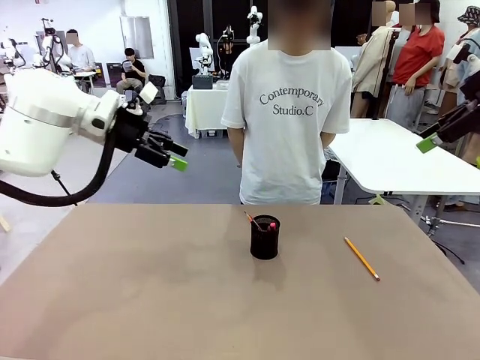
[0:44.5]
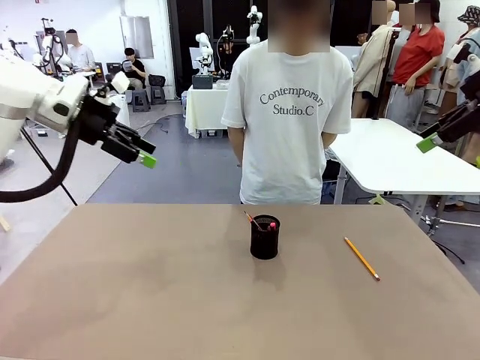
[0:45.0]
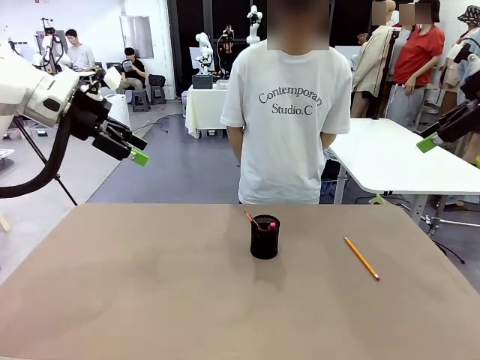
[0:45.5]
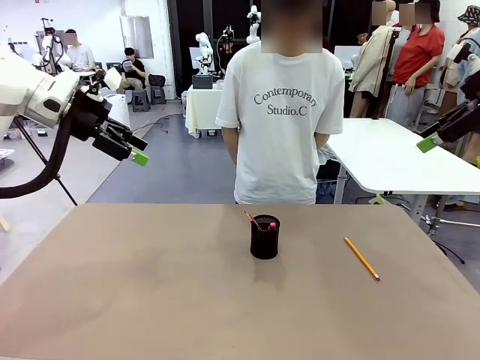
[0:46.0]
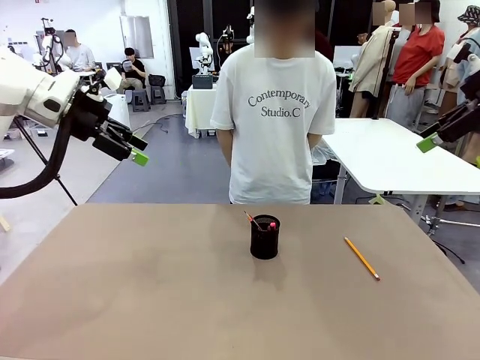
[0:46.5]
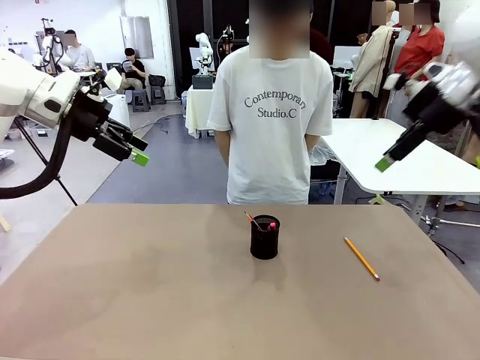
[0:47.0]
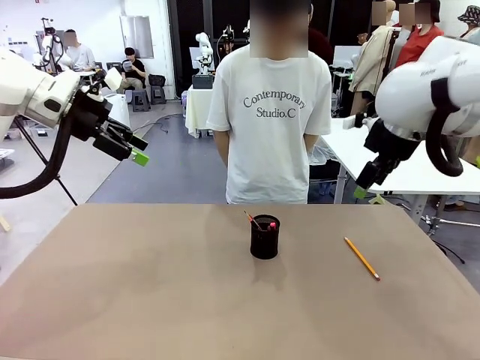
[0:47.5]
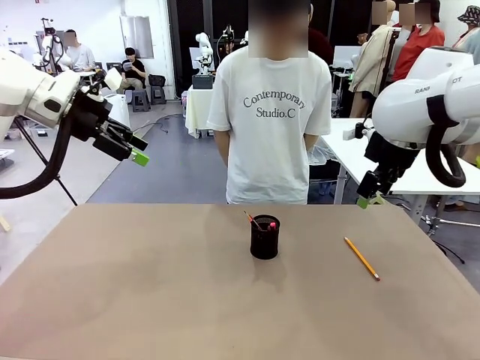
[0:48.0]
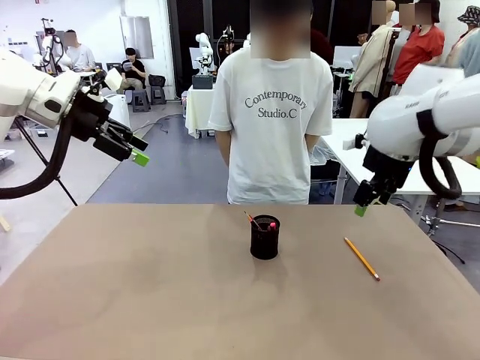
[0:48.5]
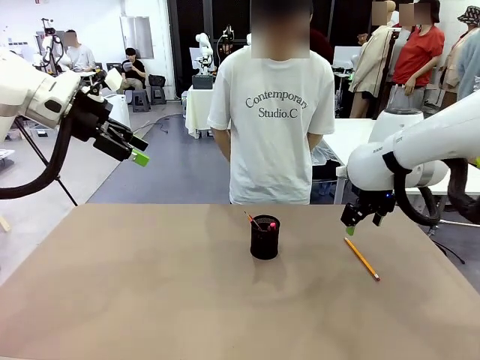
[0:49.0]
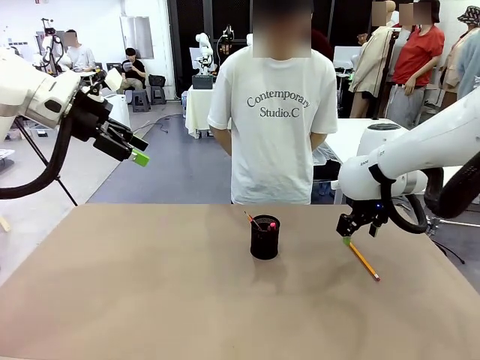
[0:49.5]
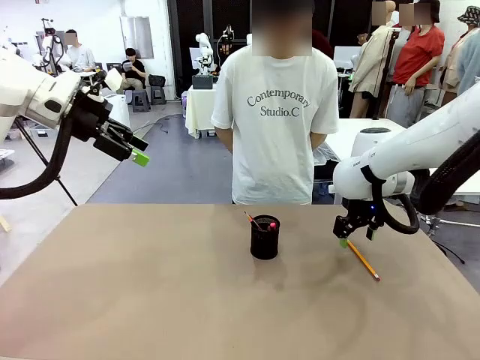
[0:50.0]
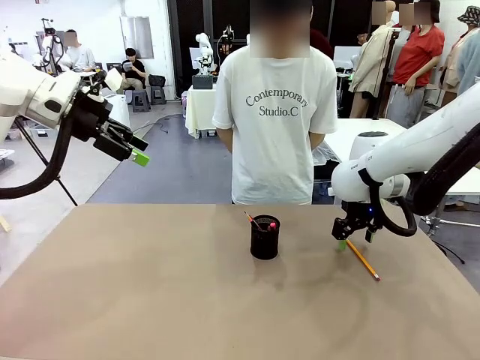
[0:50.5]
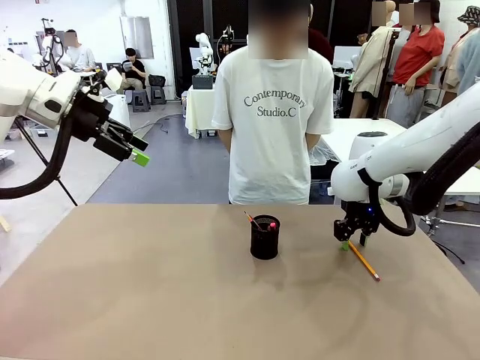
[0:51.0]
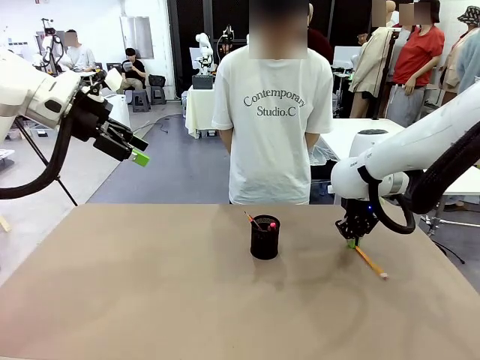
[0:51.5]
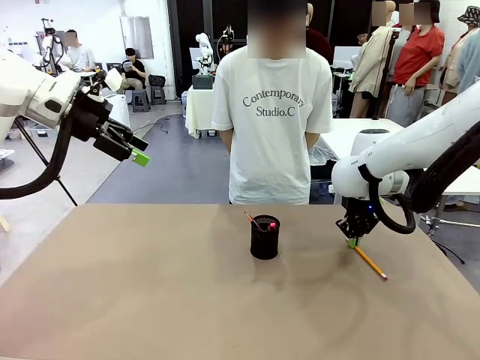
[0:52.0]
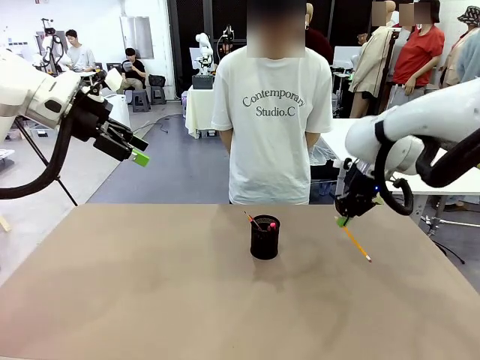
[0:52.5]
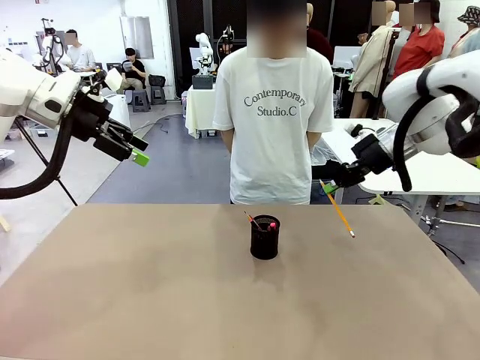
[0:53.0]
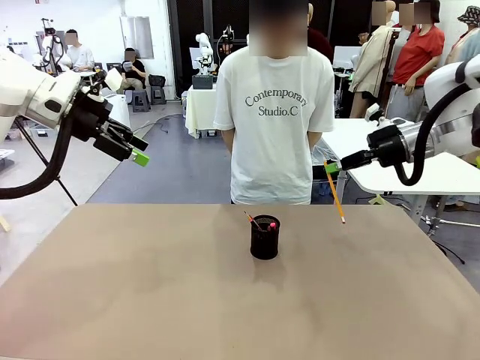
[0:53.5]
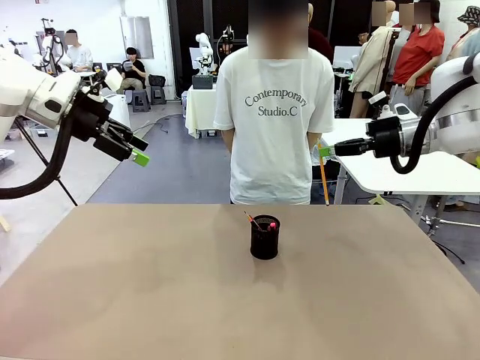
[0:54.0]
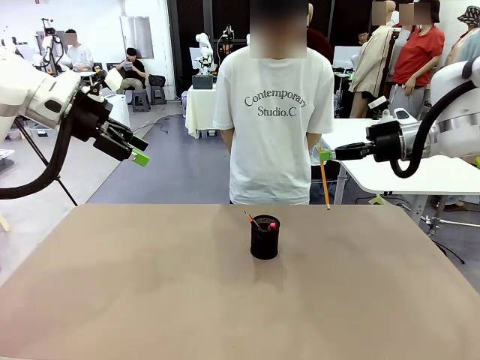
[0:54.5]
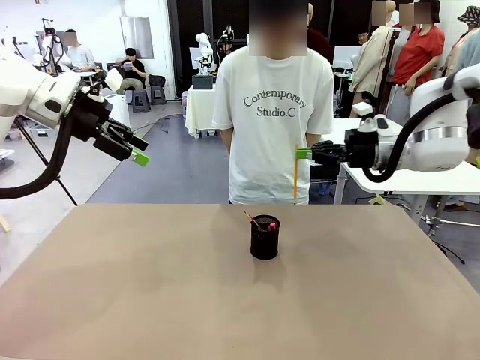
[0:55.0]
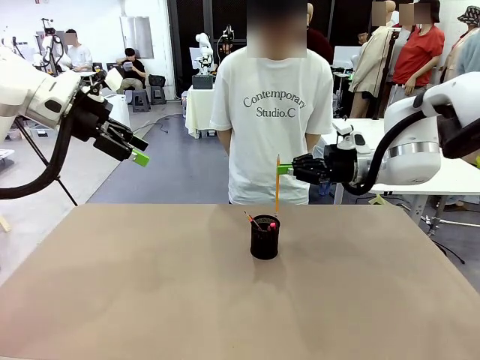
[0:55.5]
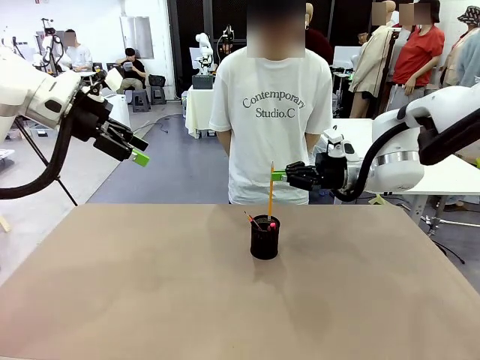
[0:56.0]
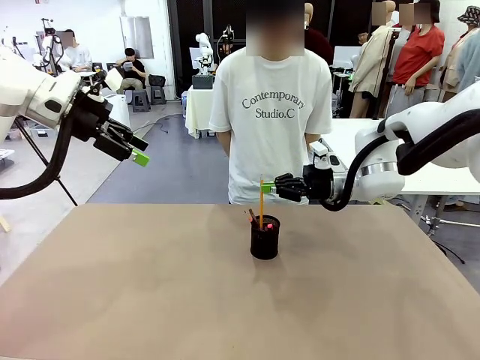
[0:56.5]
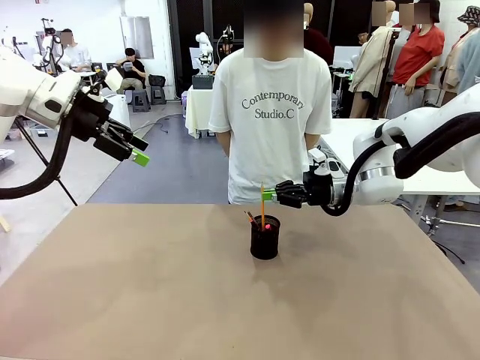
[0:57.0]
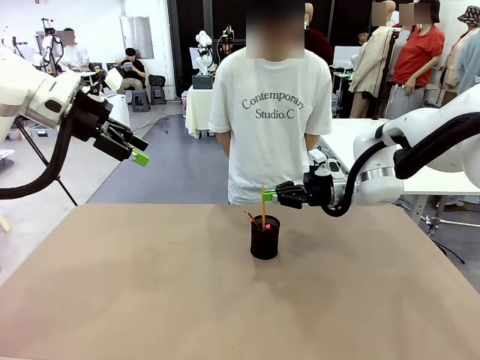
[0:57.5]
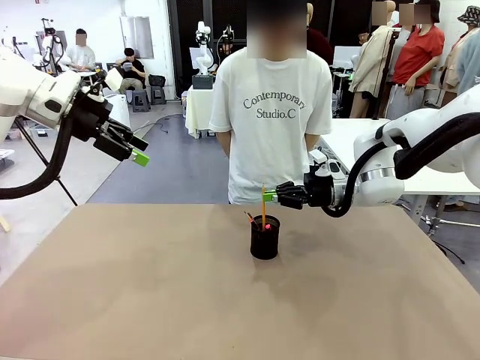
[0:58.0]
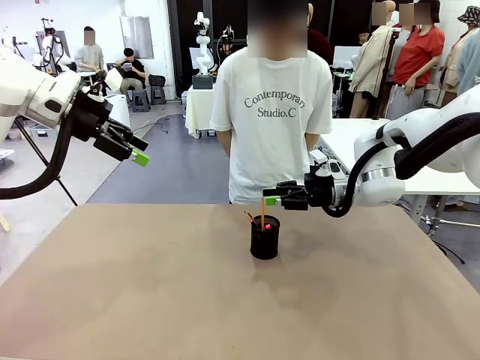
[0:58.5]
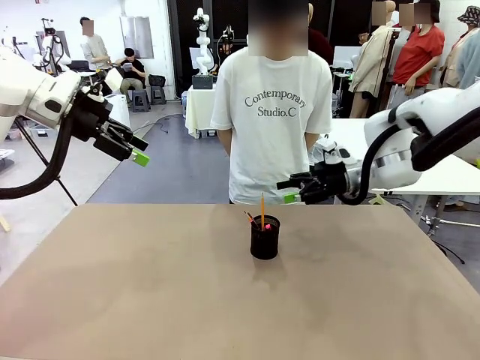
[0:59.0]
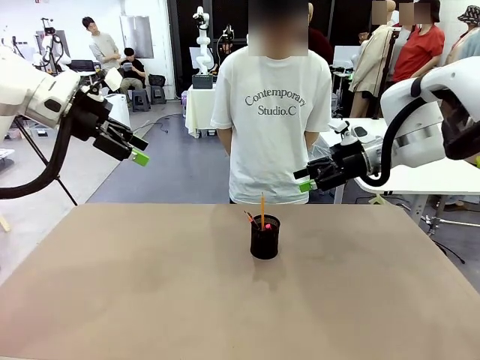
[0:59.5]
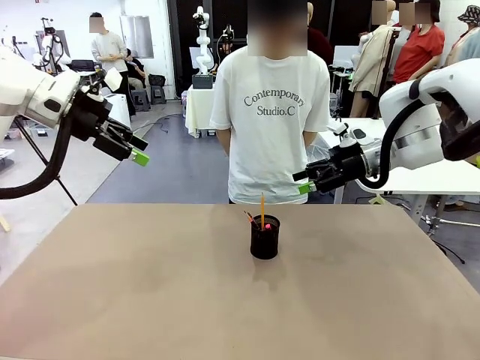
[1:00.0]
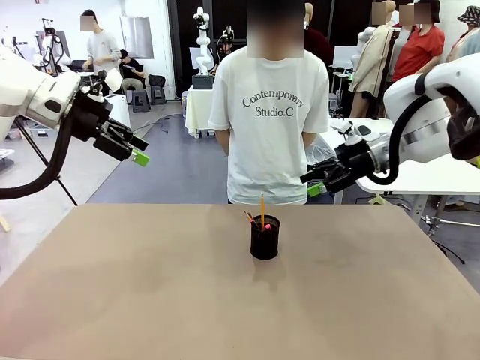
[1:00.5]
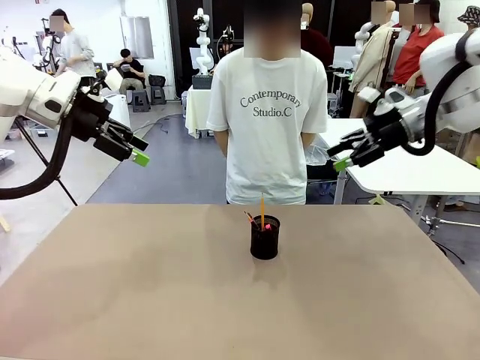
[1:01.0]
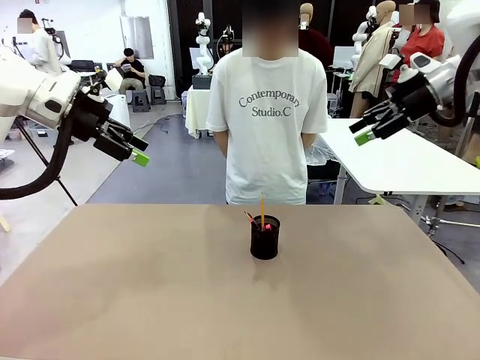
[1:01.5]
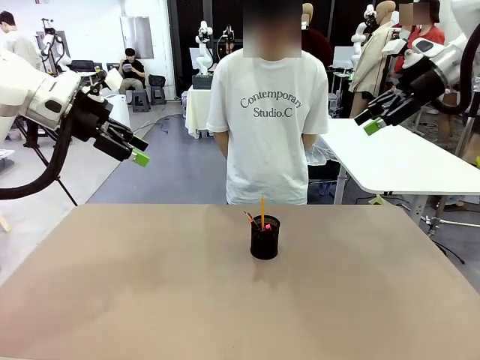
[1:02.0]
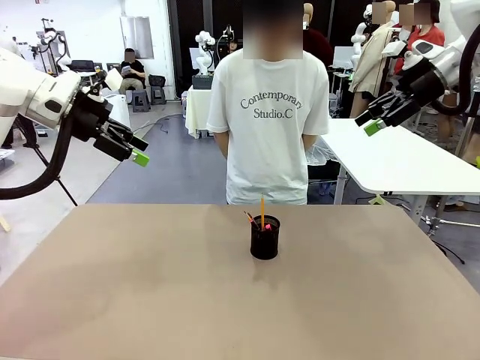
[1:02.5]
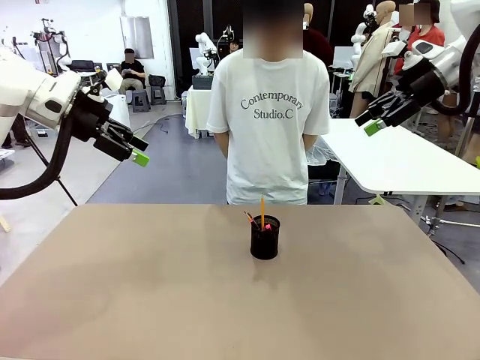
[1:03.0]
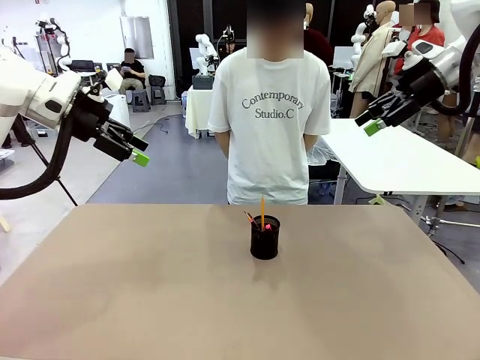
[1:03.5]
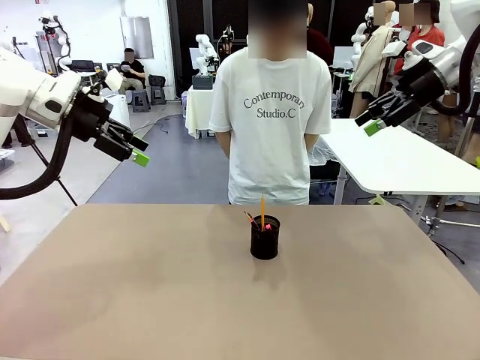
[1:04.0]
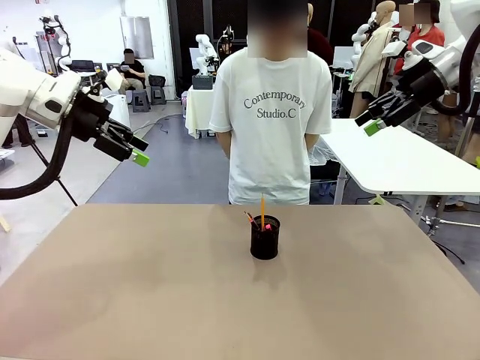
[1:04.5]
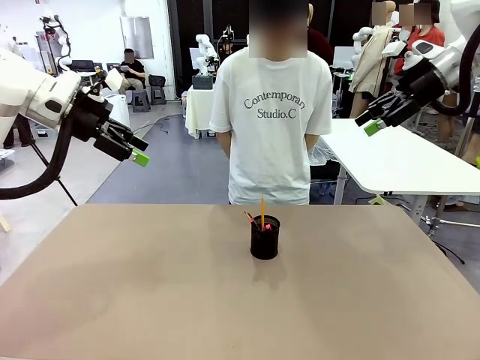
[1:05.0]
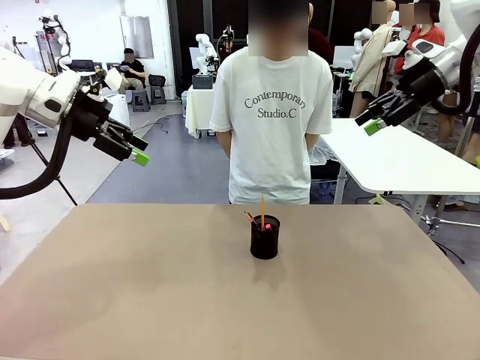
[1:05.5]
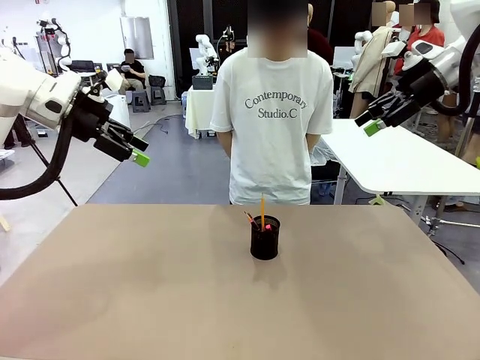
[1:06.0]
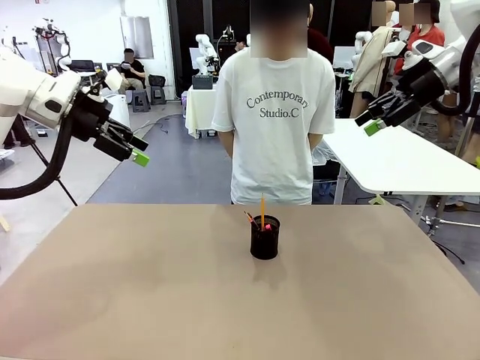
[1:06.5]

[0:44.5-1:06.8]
Task: Place the pens into the pen holder.
Robot: Pick up a writing instrument from the table and place it into the Pen holder.

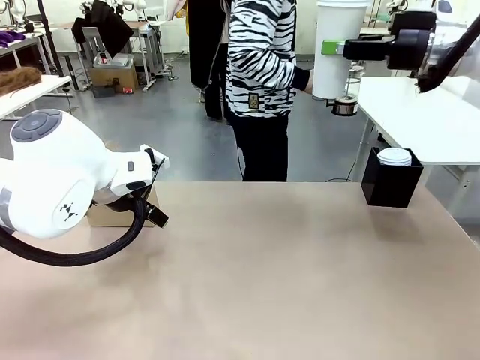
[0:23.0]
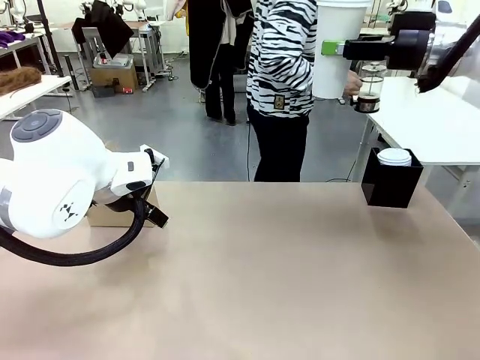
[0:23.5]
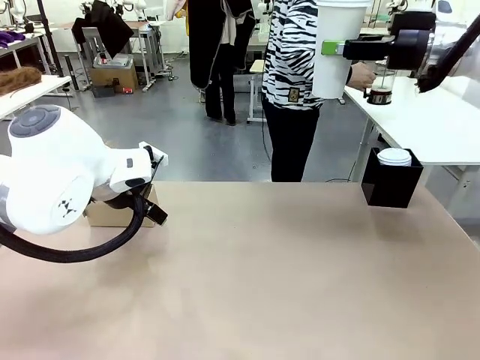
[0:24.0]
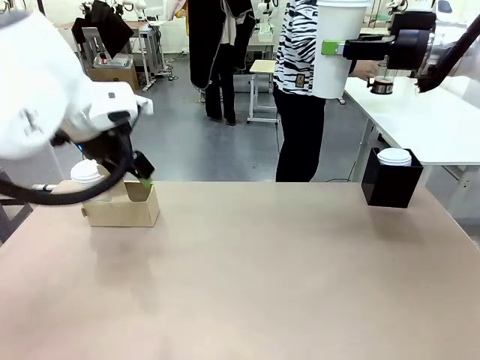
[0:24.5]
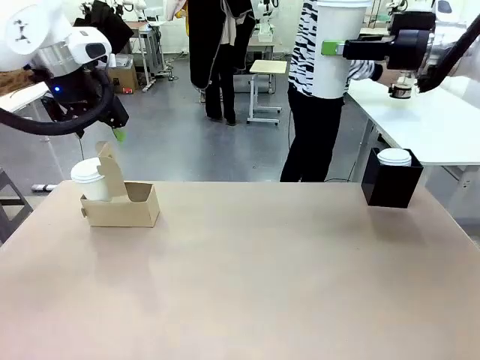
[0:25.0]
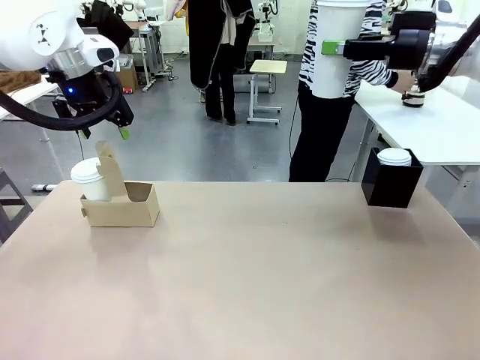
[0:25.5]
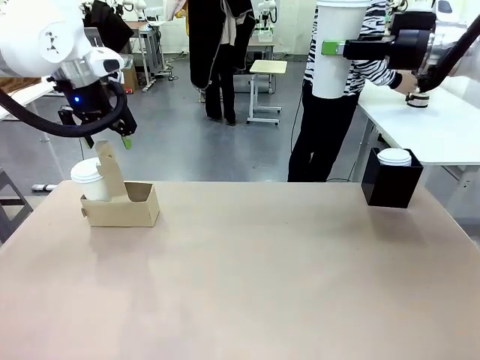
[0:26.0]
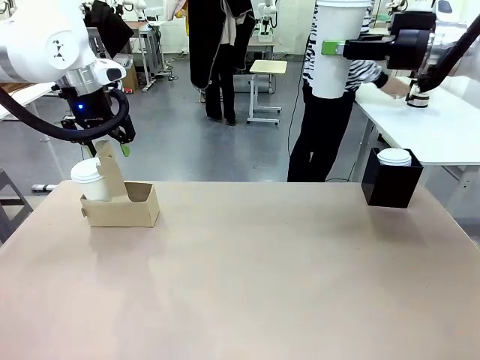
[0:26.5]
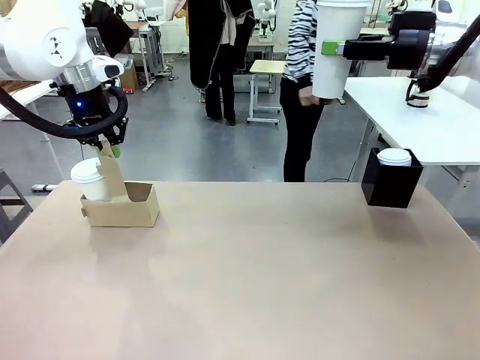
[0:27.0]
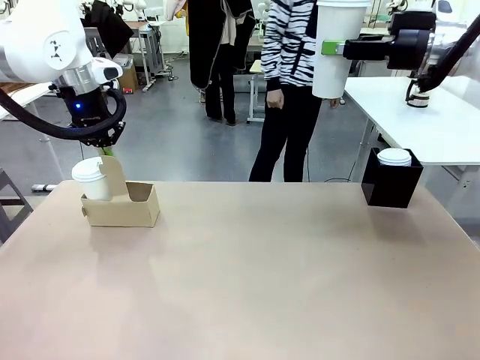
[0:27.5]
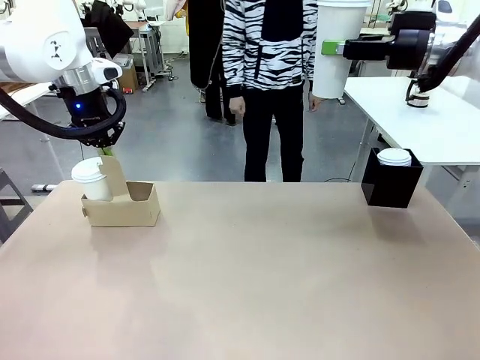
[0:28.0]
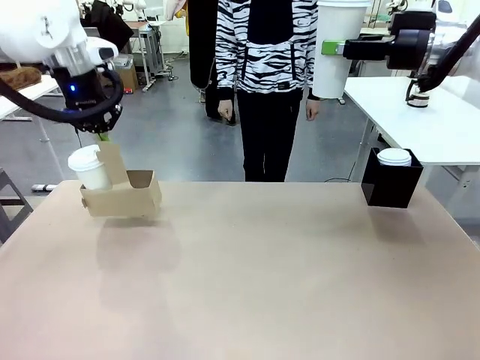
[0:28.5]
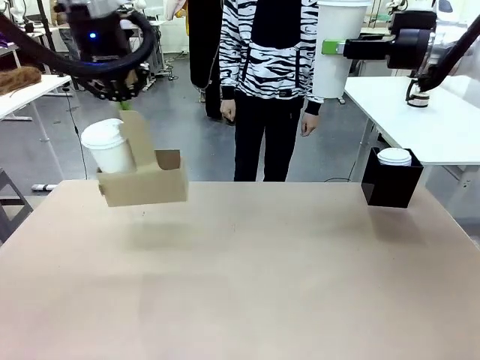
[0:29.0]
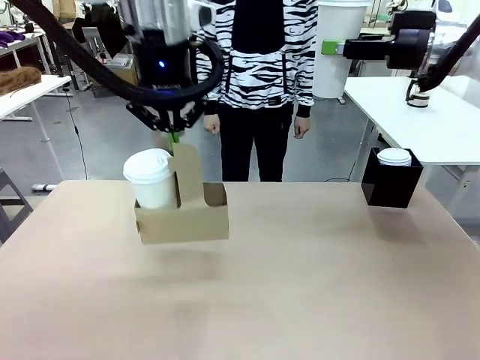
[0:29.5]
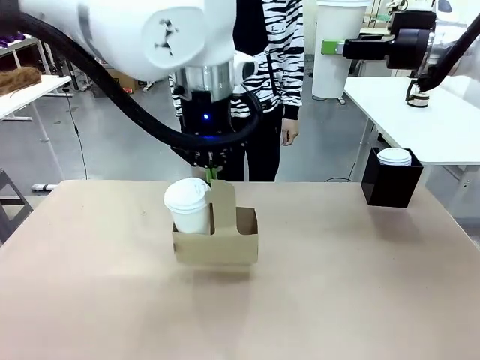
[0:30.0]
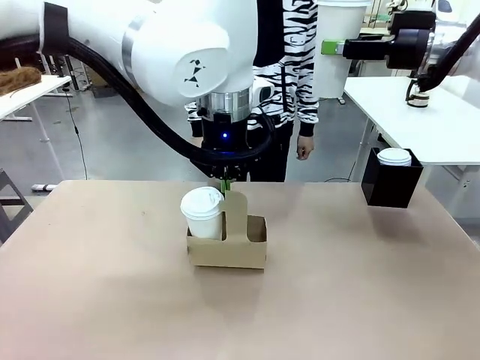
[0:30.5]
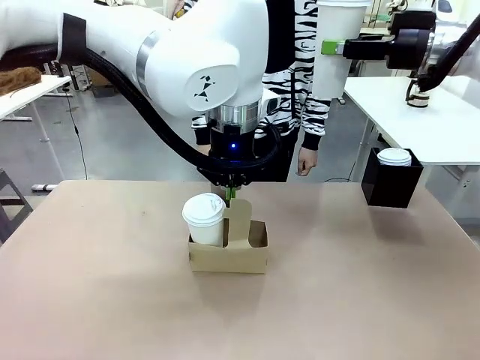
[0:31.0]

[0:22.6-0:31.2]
Task: Pour a drink into a cup and package it in a carrier.
Robot: Position the Cup Carrier in the center of the table.
Person: Pick up the Filter Brewing and place on the middle of Human table, and return to the Robot table.
